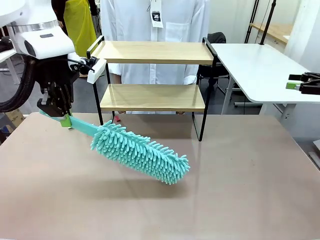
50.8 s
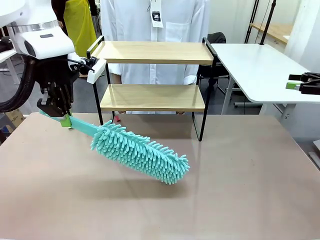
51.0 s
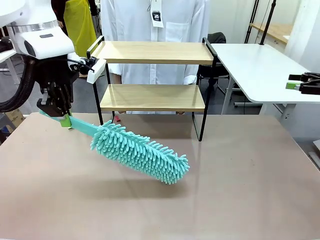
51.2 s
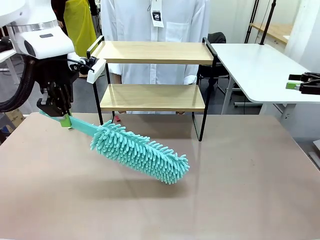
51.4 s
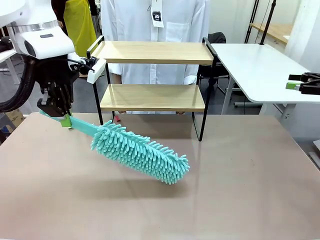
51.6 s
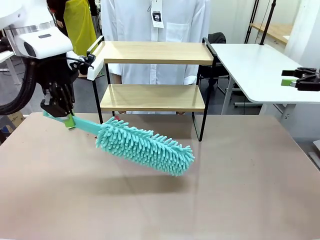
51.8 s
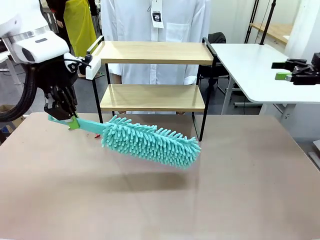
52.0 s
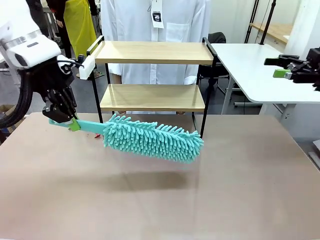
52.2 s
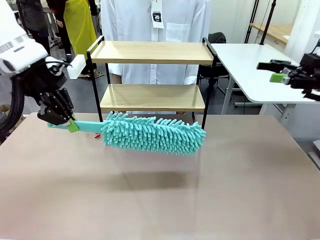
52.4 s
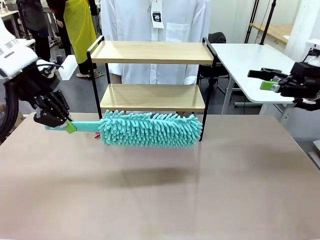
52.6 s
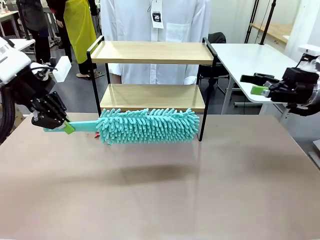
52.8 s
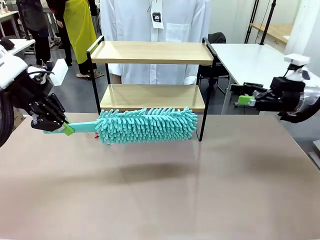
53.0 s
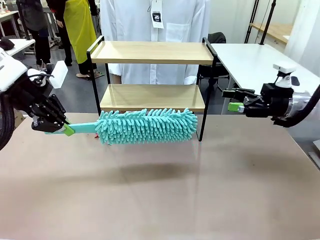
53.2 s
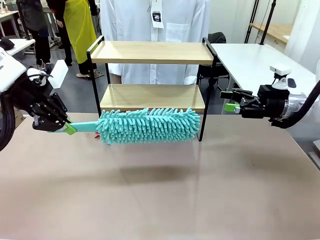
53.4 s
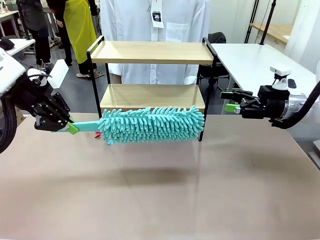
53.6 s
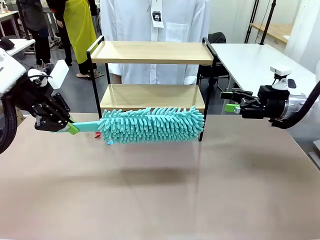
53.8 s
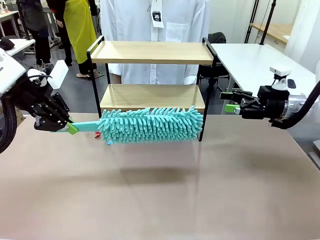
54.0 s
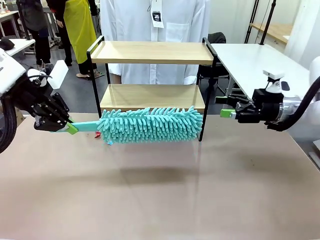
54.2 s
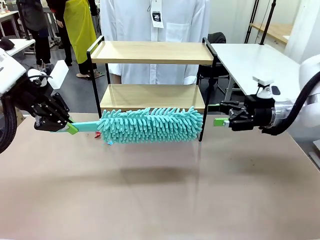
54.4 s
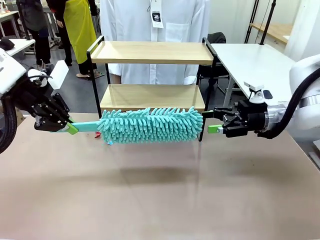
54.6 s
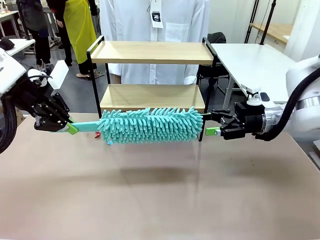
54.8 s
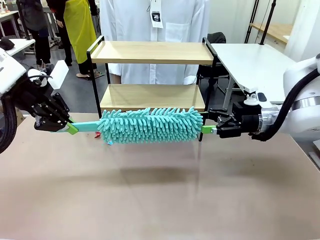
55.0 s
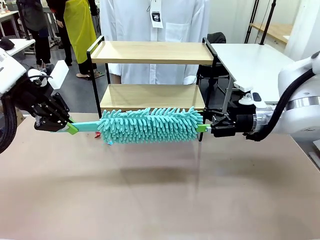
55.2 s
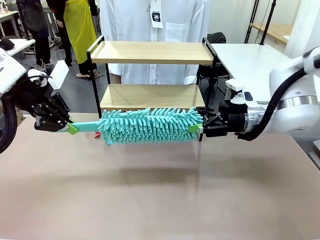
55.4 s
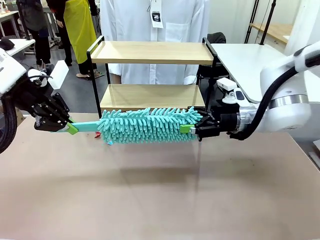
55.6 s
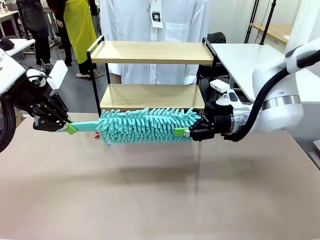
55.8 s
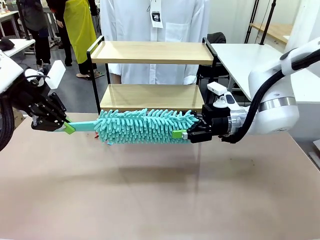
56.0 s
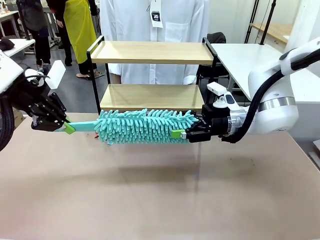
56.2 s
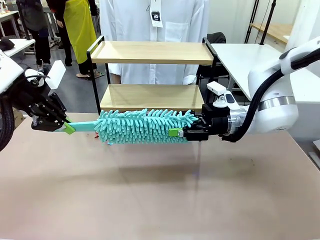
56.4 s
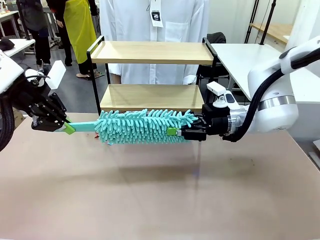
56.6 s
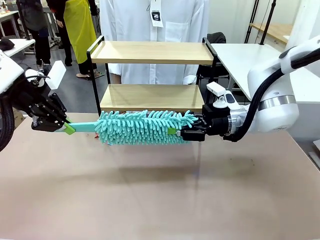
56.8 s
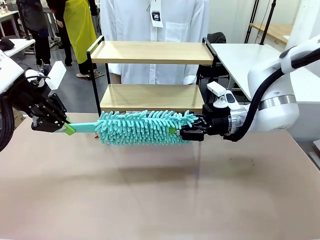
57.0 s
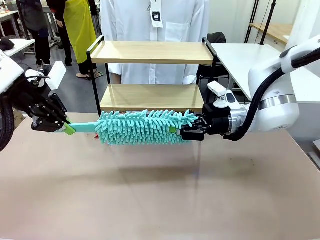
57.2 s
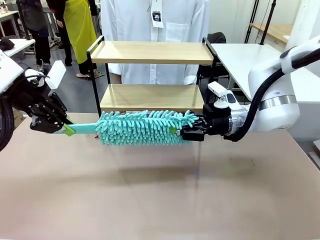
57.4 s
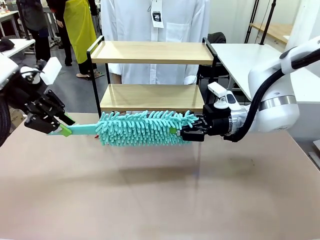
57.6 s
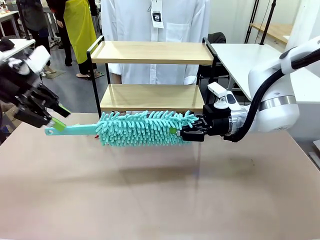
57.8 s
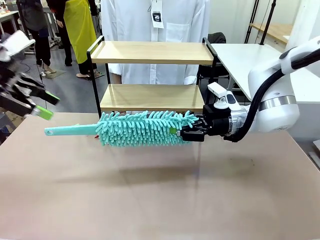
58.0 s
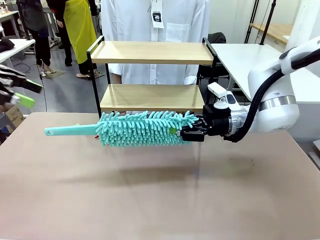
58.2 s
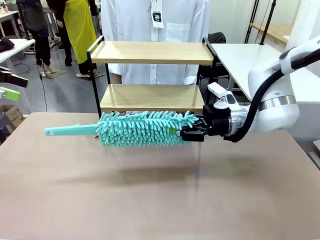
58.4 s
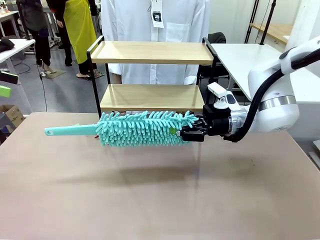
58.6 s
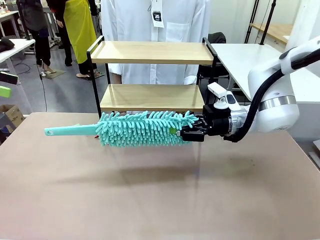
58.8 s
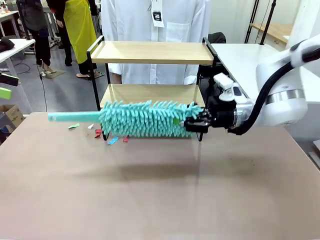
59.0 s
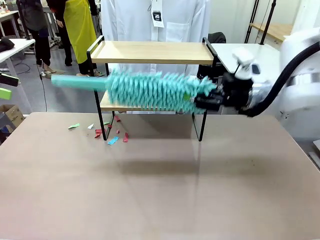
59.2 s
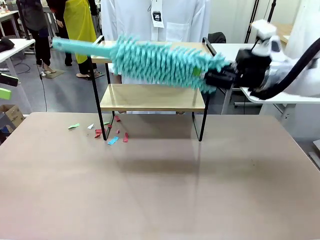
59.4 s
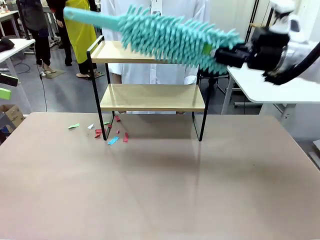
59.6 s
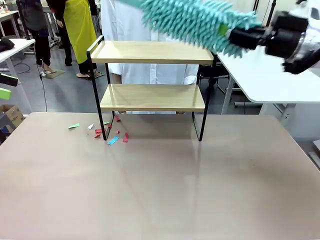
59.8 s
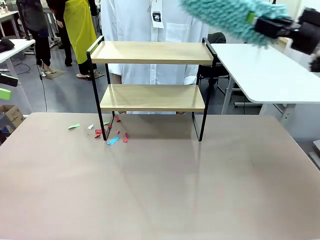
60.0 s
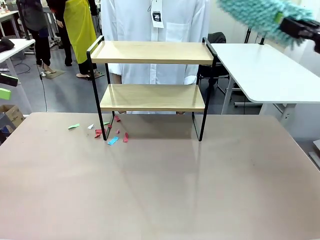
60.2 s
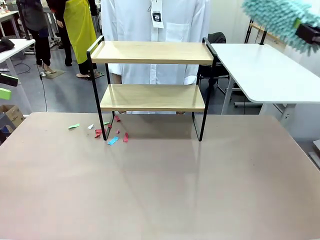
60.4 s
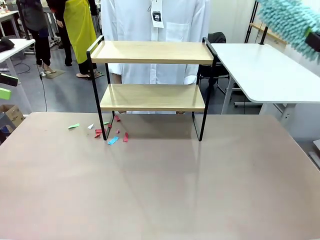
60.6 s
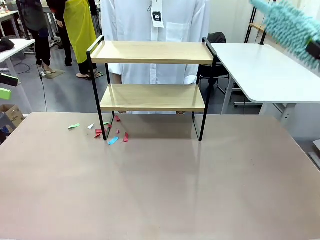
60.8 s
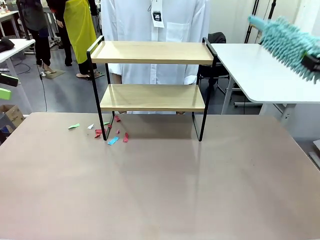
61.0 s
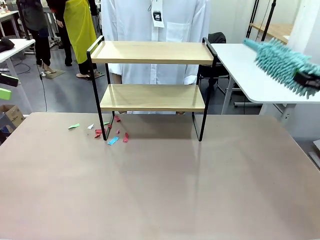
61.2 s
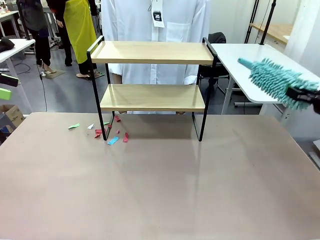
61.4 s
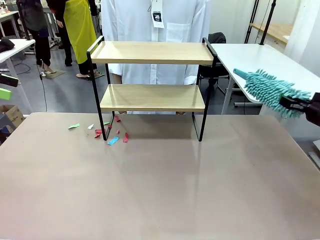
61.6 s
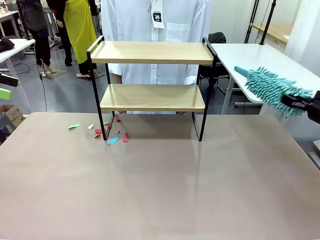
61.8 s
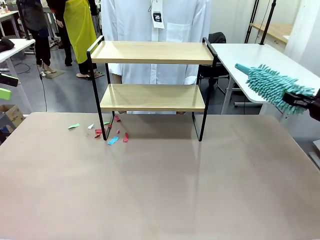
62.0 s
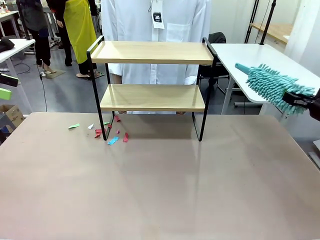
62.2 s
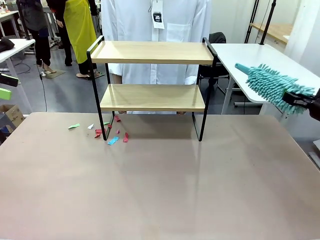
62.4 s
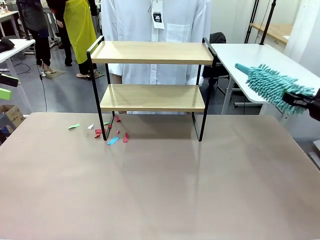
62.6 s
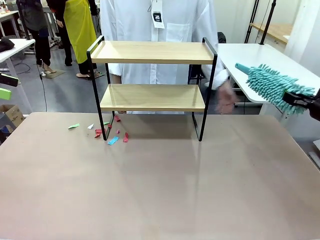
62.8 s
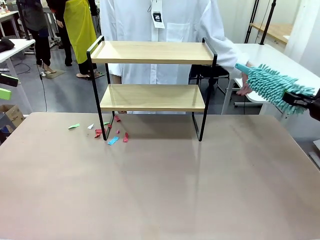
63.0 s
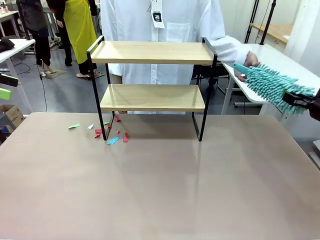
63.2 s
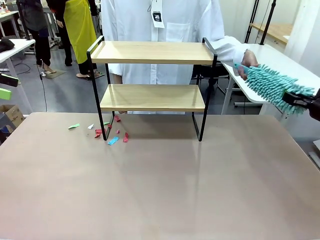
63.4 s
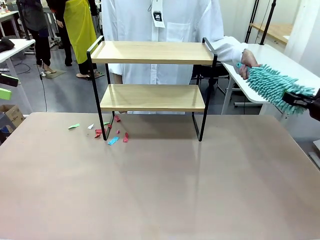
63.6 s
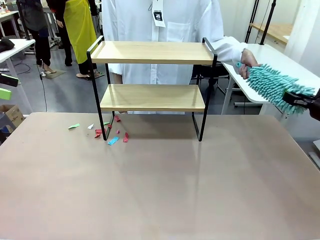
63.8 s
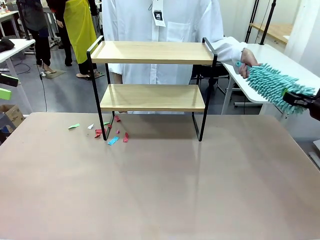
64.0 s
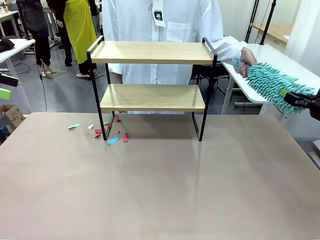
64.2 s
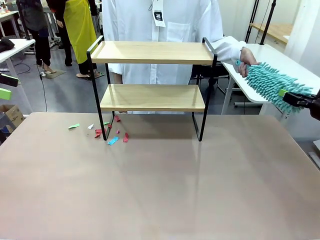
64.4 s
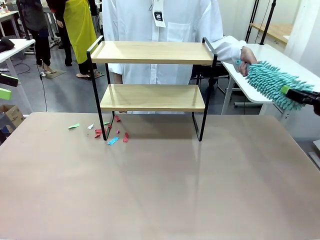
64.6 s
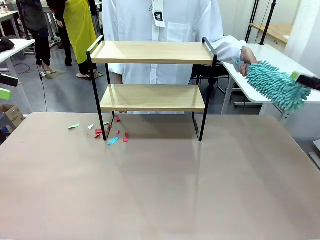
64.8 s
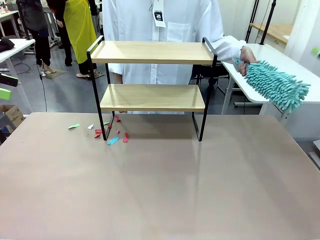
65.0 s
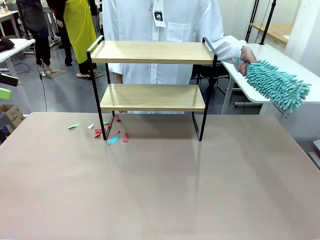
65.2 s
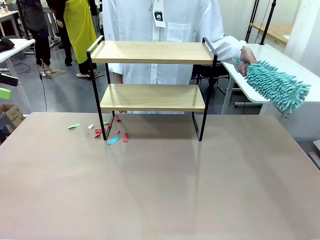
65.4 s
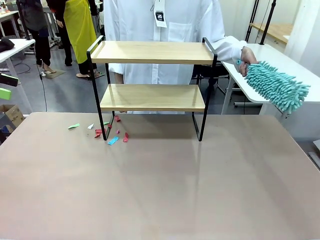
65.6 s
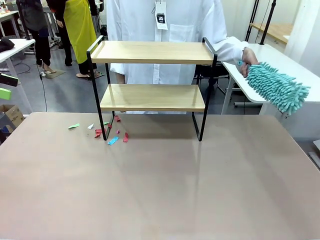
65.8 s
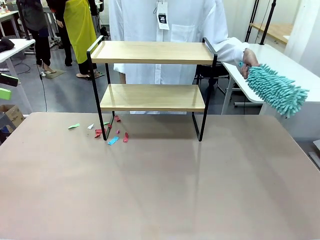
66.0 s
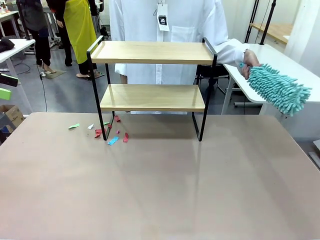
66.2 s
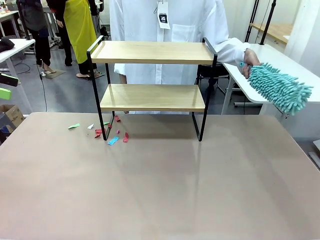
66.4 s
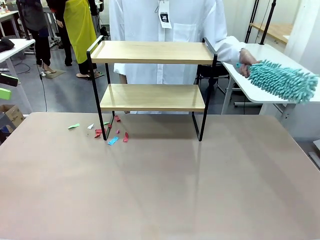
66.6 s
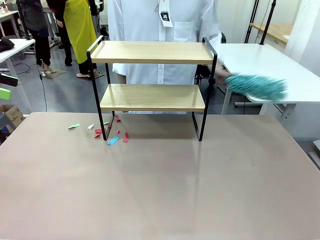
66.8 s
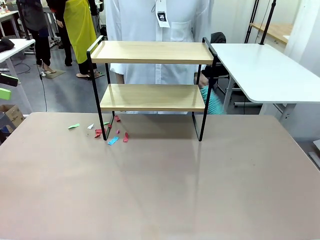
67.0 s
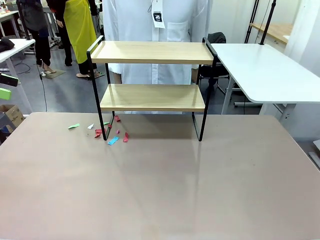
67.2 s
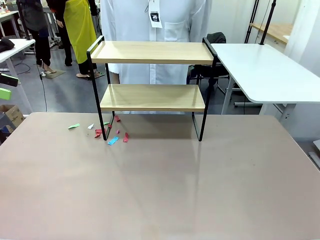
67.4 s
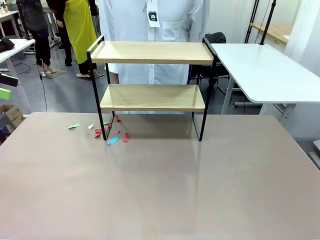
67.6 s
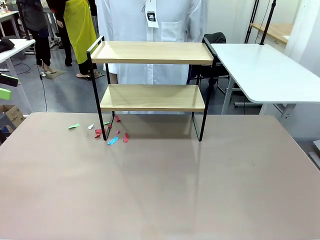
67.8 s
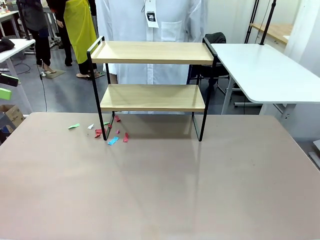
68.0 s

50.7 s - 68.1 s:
Task: Clean the shelf.
Robot: Hand the Duster back to the human.
Person: Receive the Duster from the robot.
